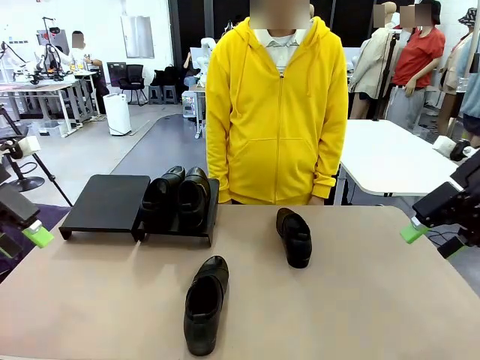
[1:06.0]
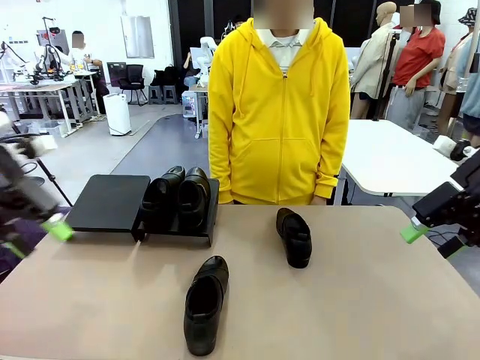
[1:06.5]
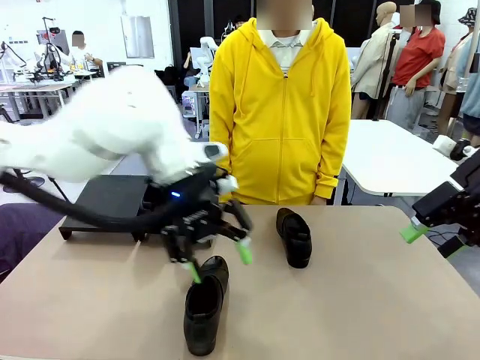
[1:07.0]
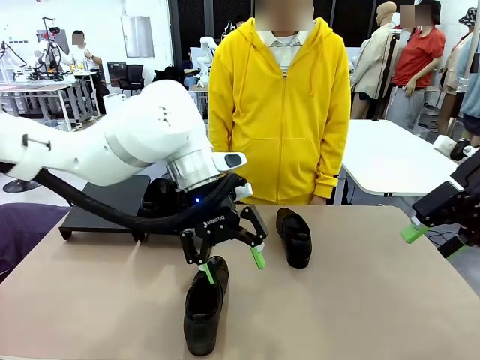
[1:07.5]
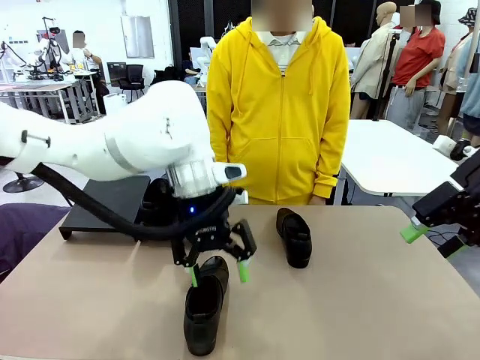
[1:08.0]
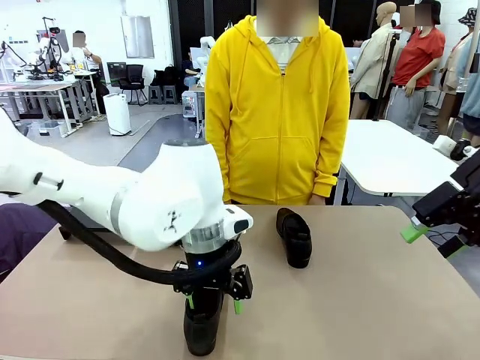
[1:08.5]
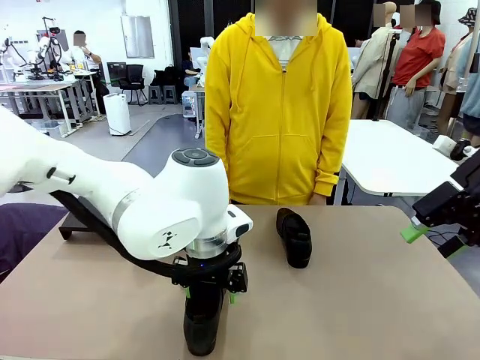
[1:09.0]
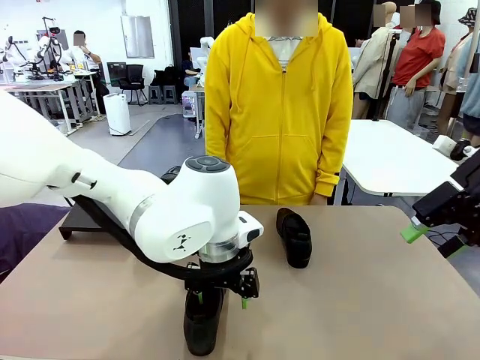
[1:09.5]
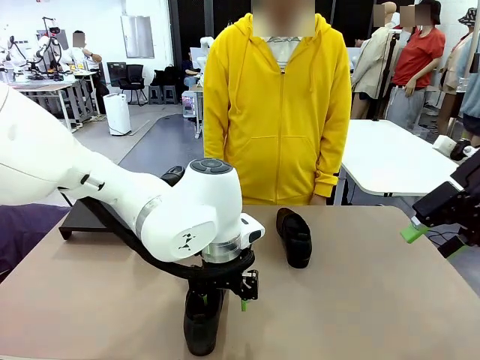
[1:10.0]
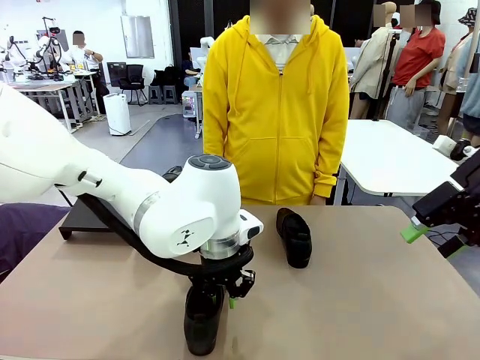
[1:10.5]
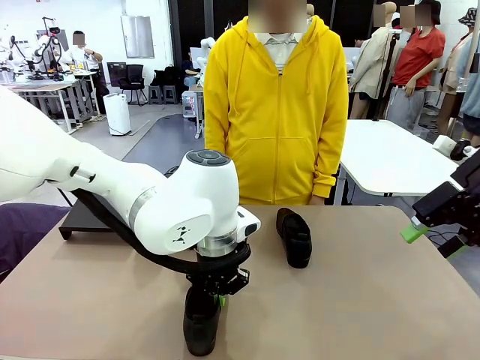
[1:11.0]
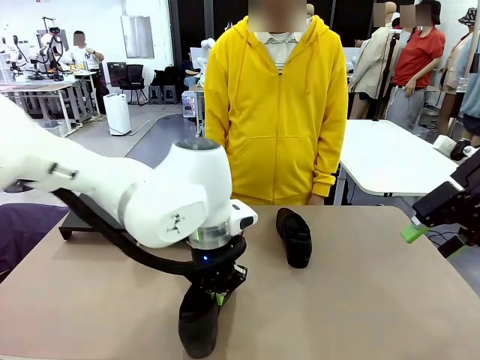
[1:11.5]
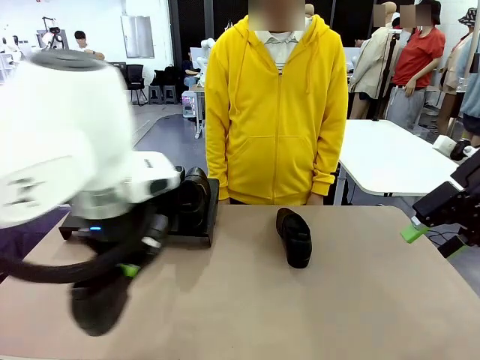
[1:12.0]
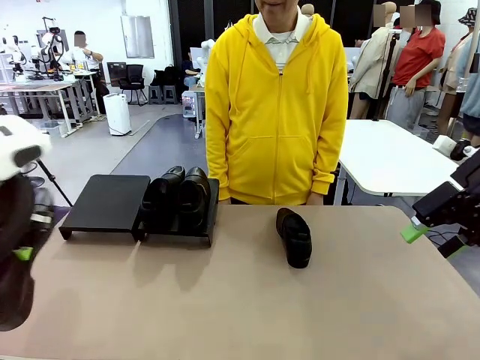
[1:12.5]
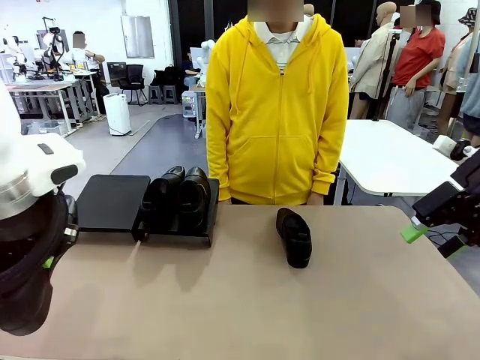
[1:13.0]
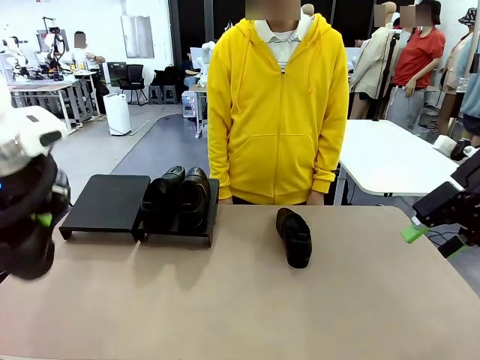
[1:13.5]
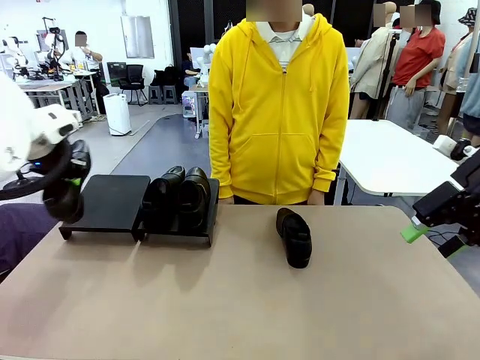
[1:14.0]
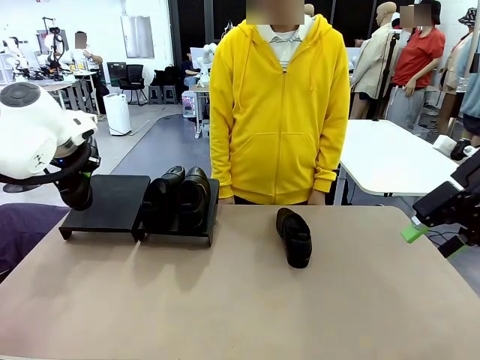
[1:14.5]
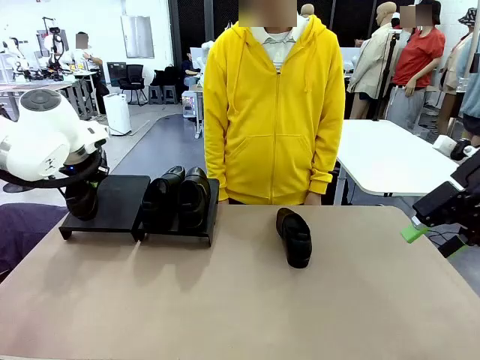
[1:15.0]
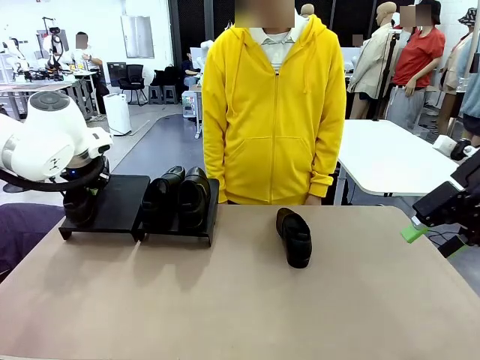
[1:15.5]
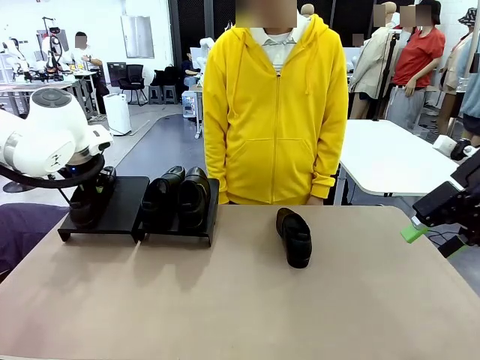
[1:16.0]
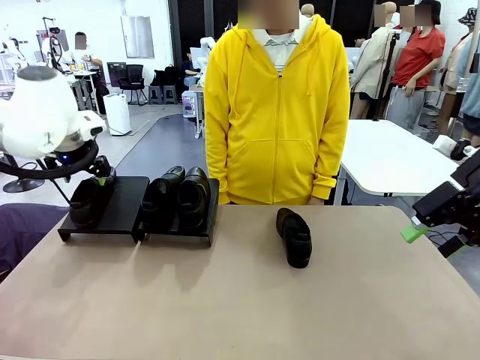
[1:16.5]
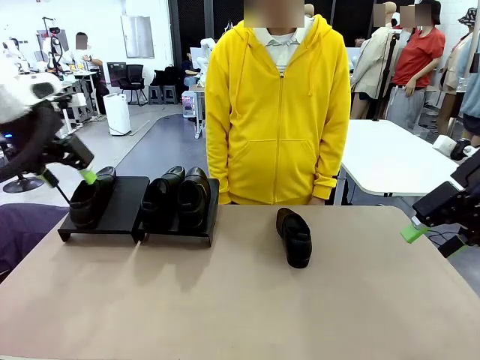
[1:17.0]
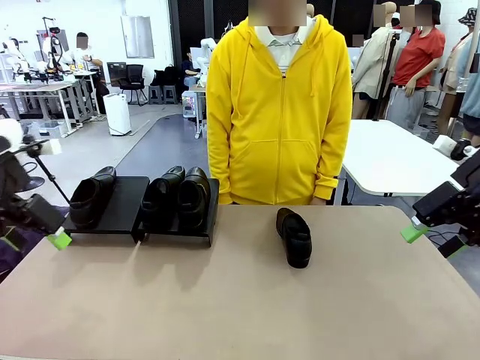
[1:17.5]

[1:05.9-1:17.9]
Task: Organize the shoes by placing them on the stand.
Robot: Place the Shoe from the middle of the table onto the Shoes Stand.

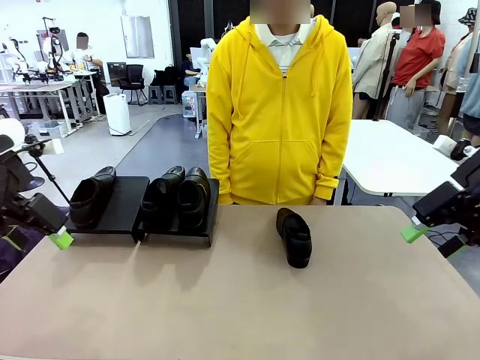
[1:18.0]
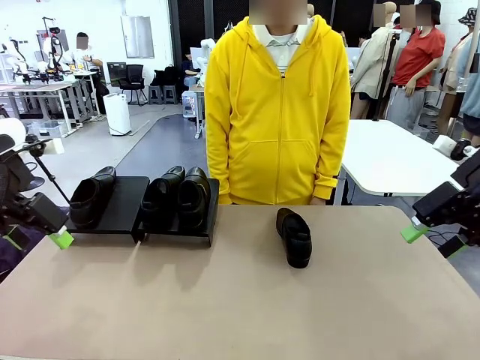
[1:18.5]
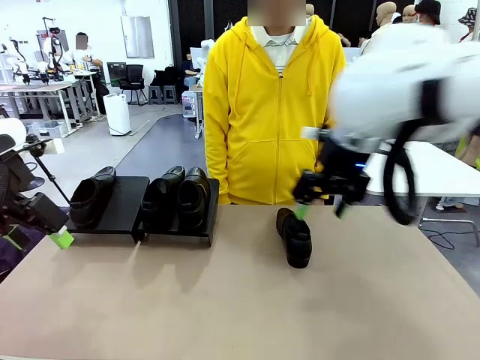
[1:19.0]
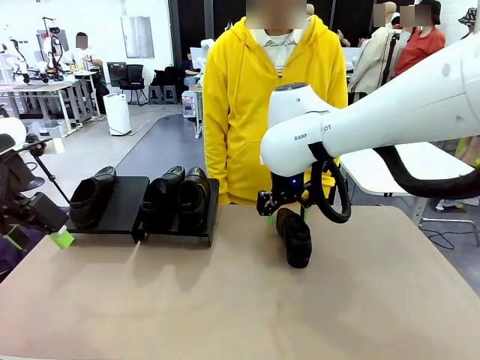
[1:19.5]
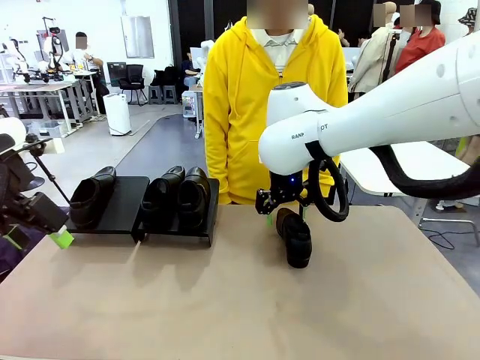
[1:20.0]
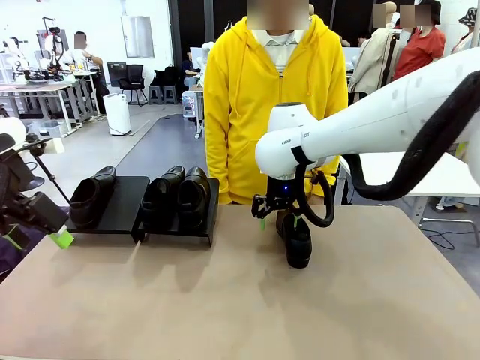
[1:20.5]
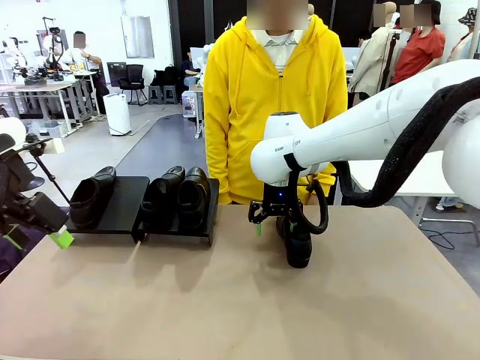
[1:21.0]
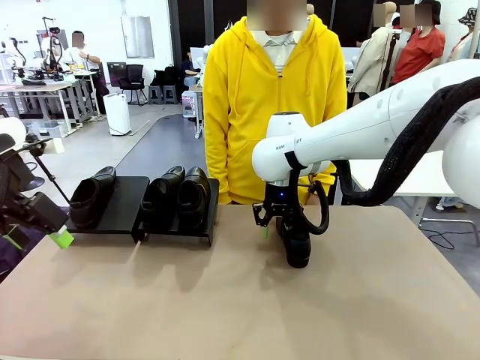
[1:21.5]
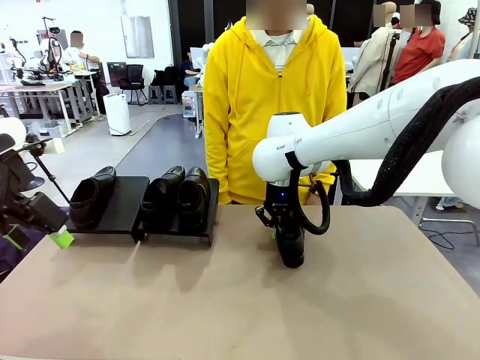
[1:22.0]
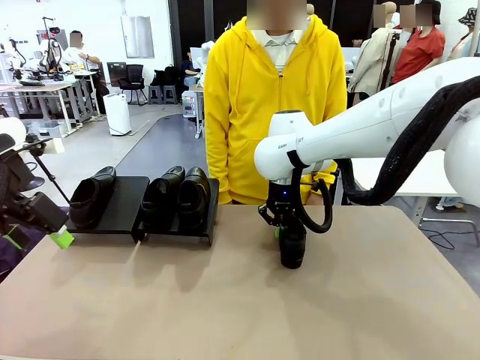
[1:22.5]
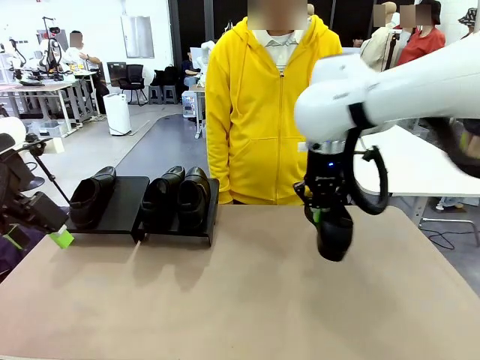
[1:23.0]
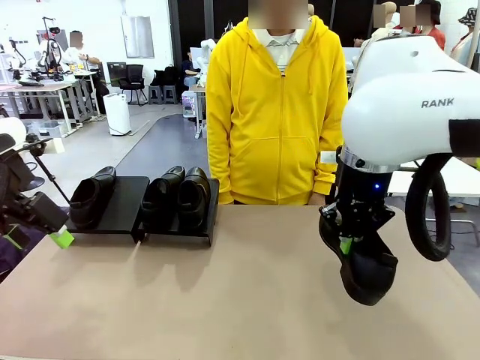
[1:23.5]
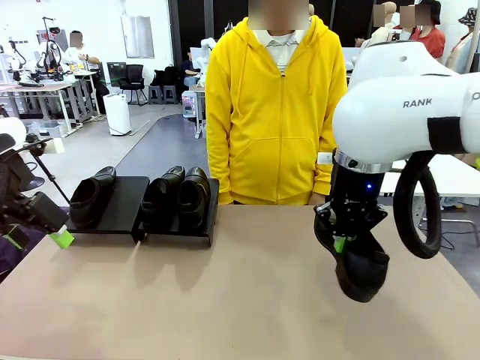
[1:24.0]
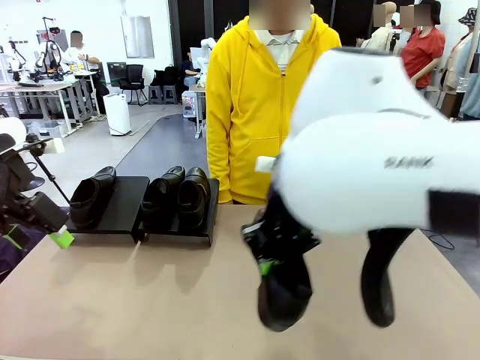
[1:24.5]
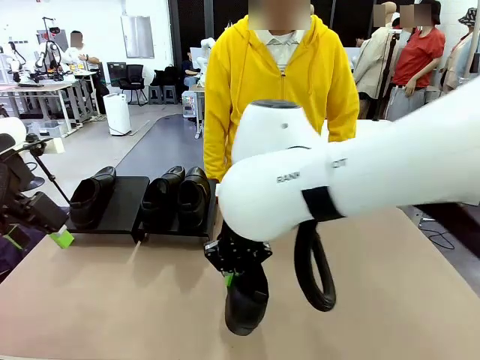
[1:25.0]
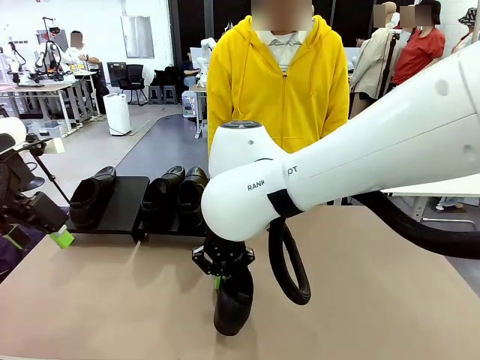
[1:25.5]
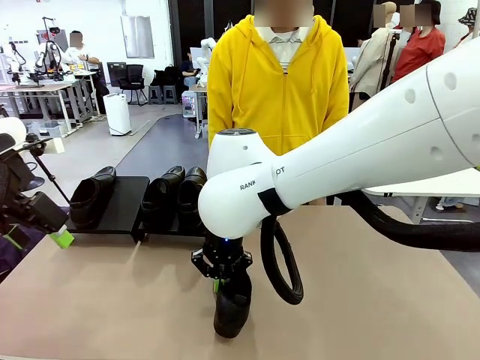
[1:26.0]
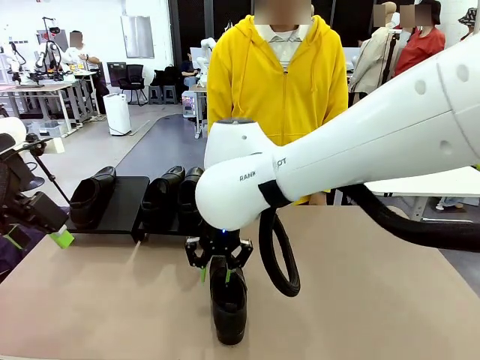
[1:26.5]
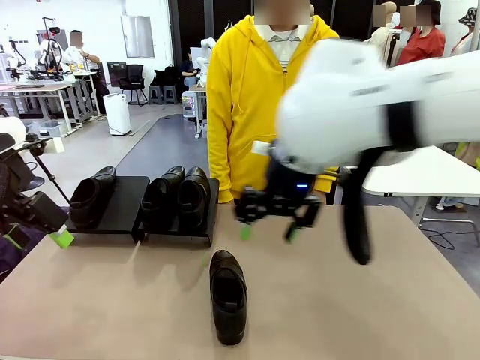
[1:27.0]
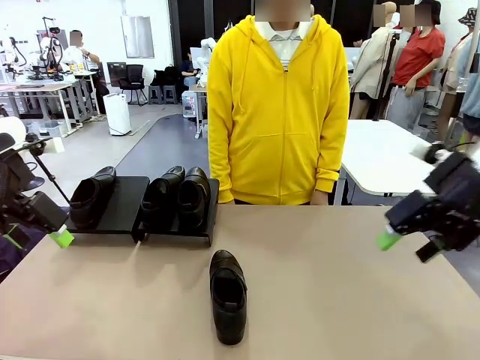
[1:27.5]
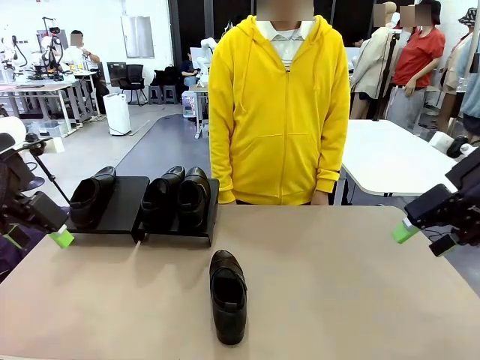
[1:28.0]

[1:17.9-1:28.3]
Robot: Pick up one Shoe and place it in the middle of the table.

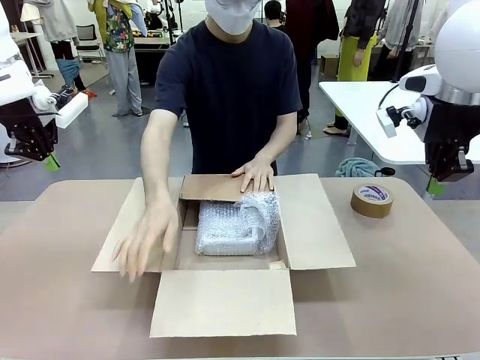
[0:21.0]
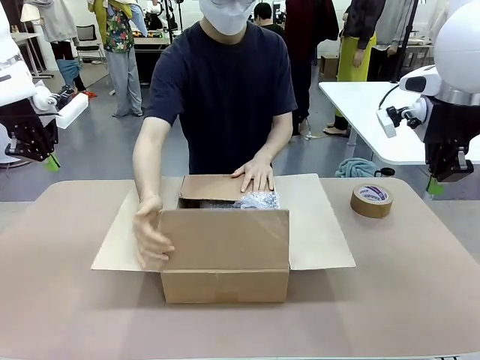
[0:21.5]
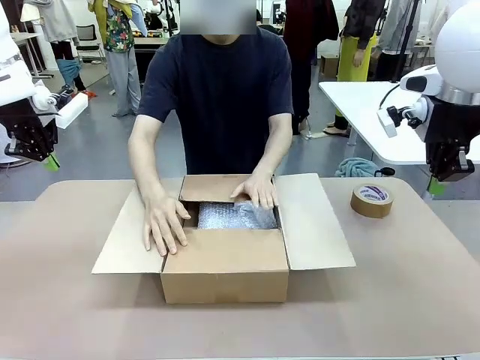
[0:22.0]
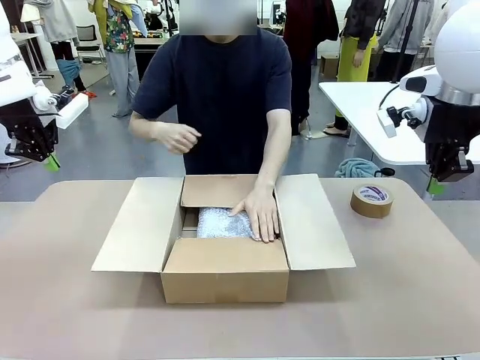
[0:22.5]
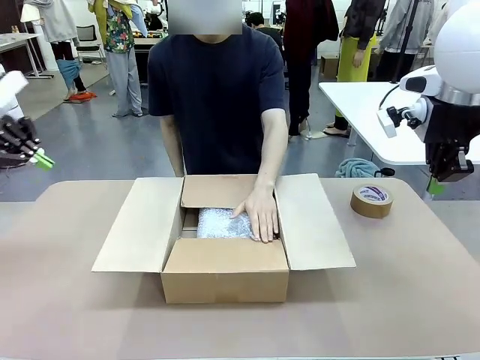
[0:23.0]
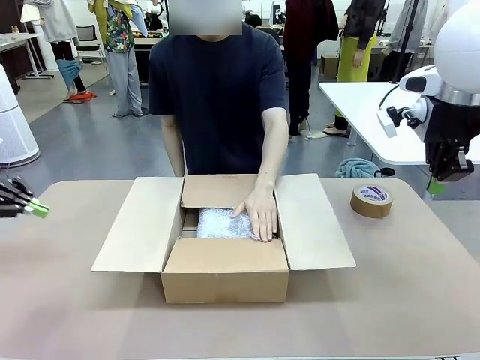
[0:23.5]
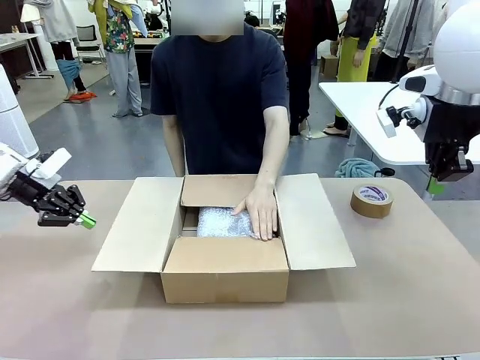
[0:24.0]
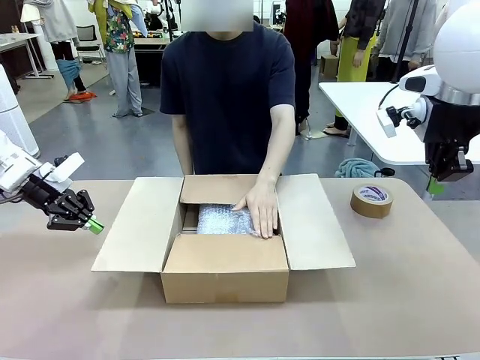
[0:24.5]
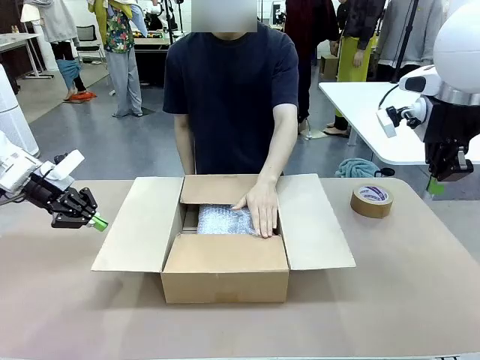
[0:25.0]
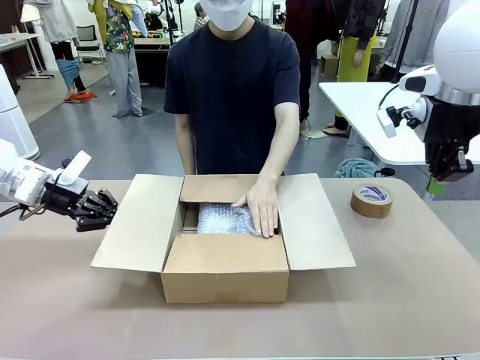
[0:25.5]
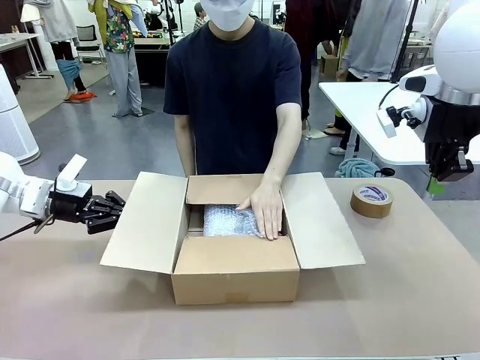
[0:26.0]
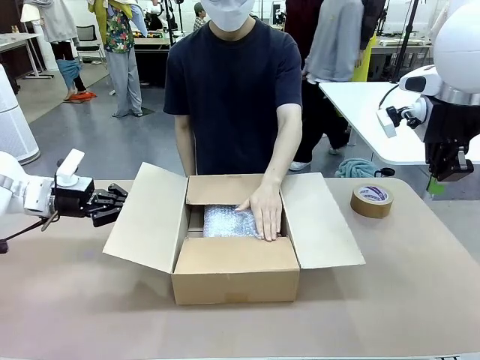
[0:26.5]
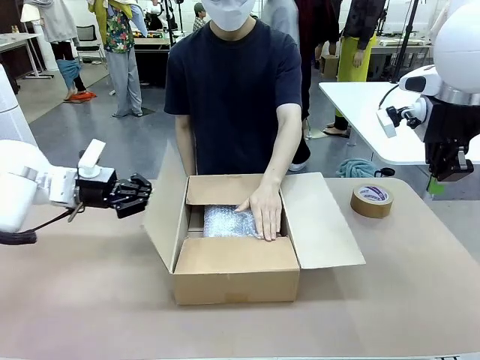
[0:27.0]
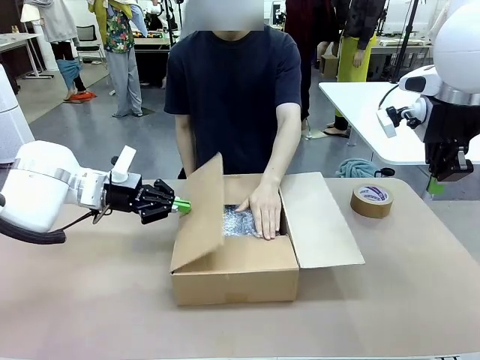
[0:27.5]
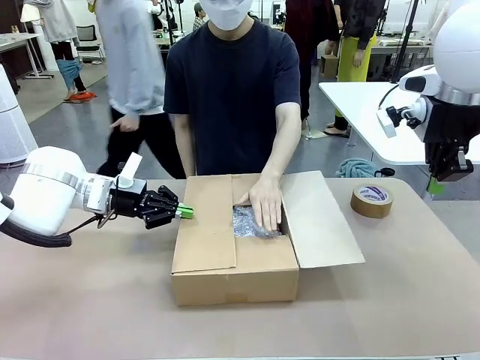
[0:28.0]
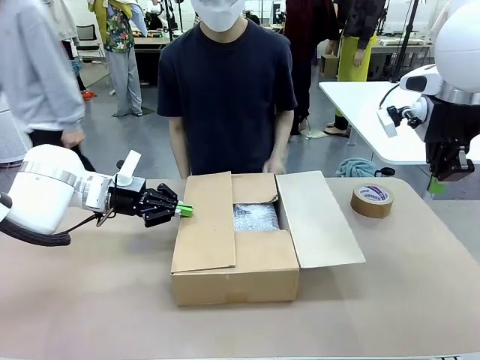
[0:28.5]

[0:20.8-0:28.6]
Task: Wrap the clocks to prevent damage.
Robot: Push the right (or left) flap of the Package Box to close it.
Person: Once the robot closes the right flap of the Package Box , release your left hand from the box.
